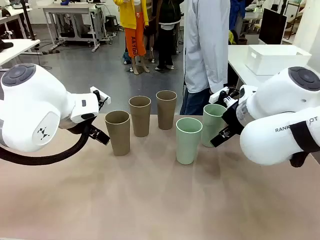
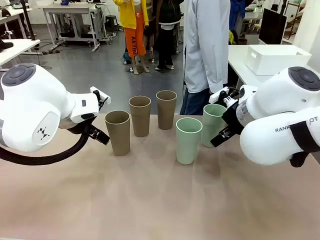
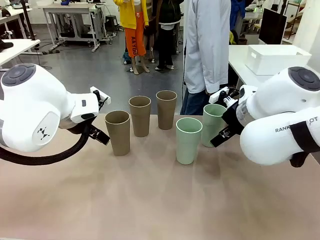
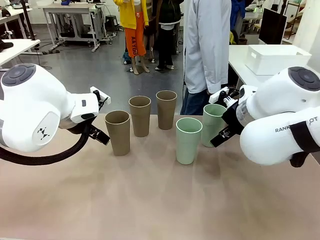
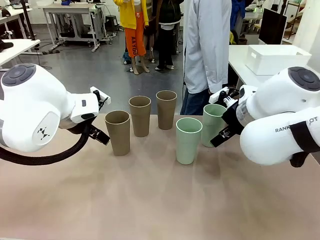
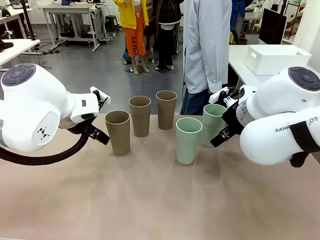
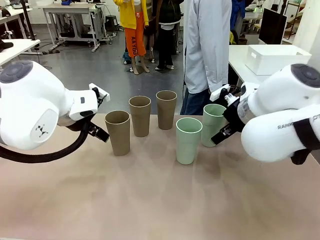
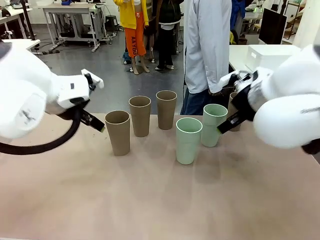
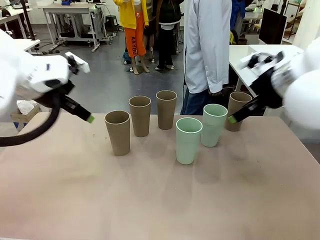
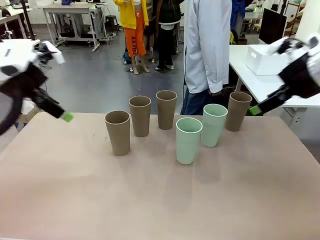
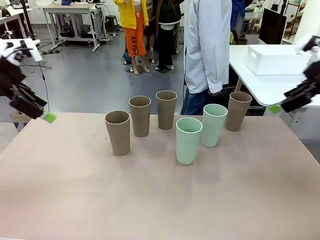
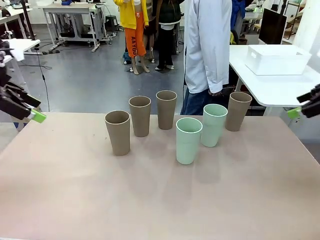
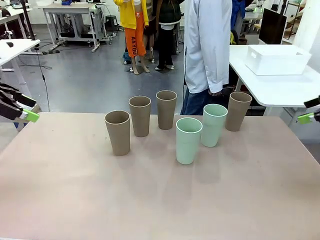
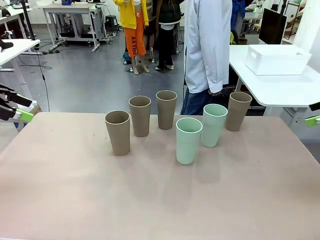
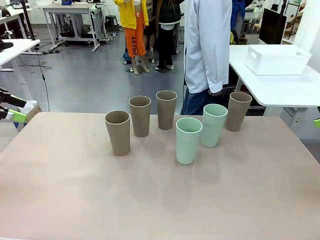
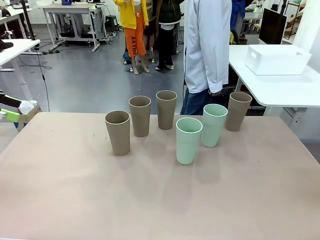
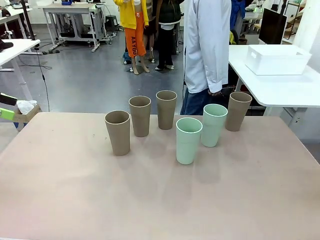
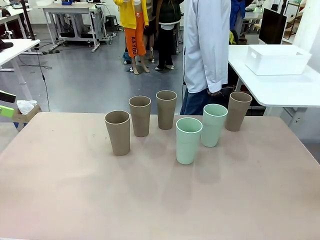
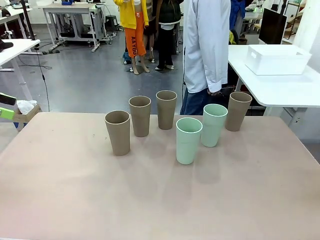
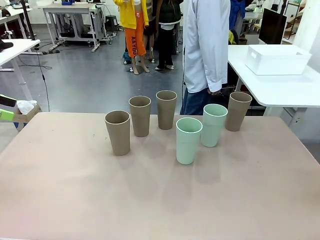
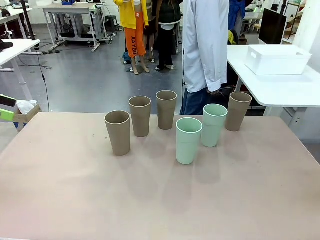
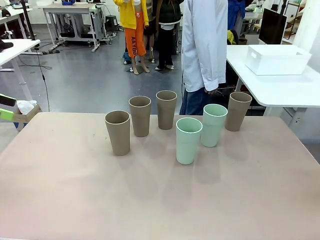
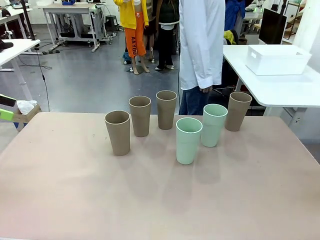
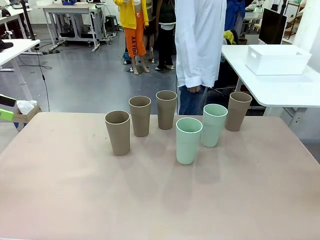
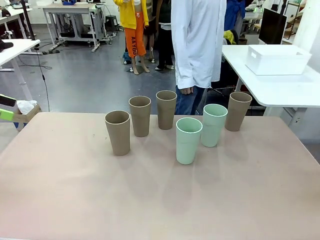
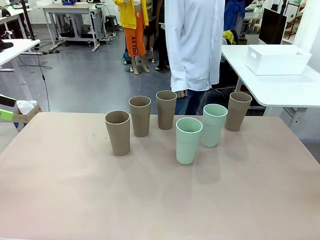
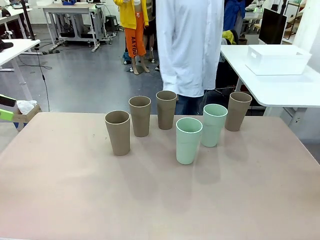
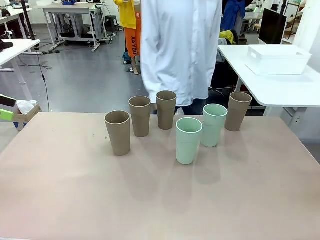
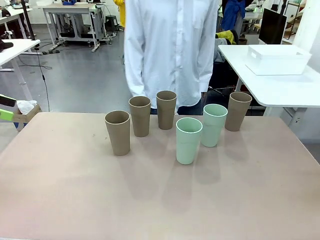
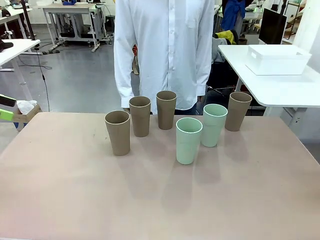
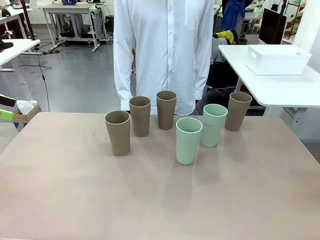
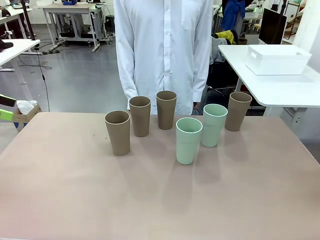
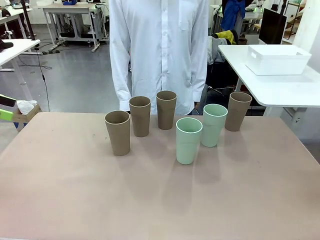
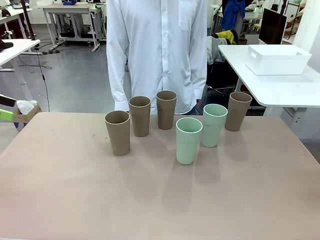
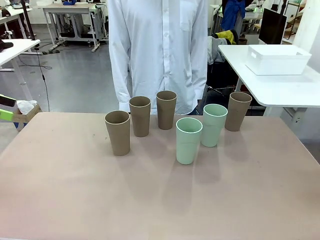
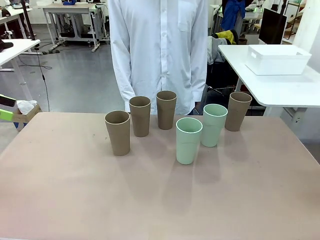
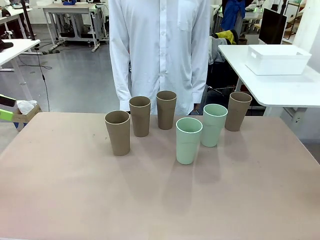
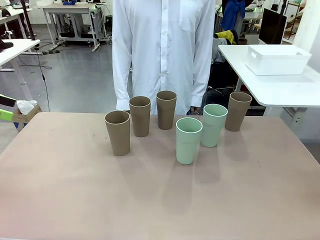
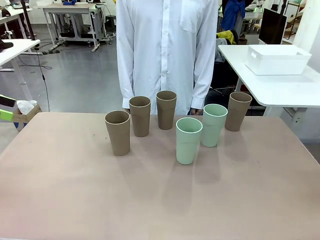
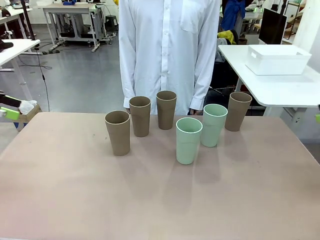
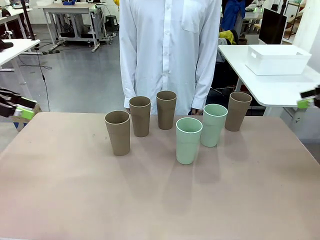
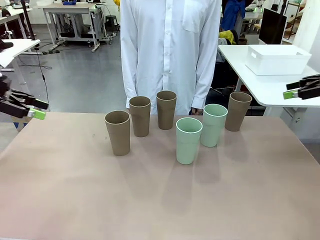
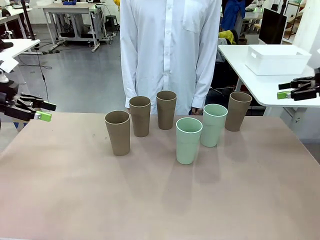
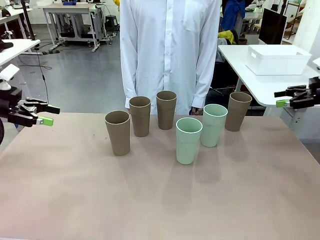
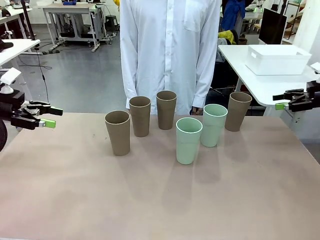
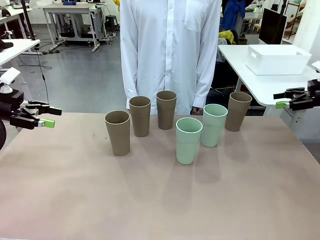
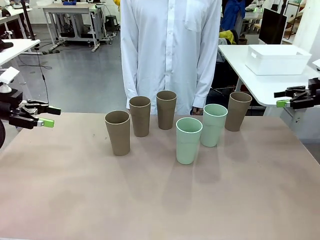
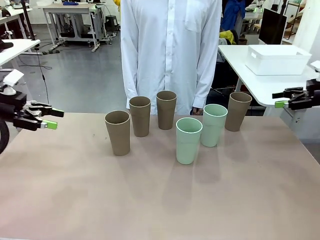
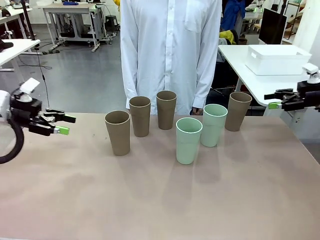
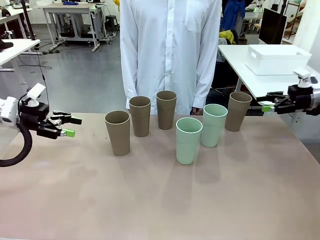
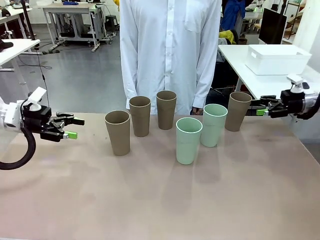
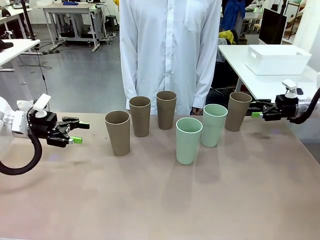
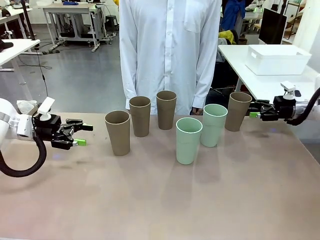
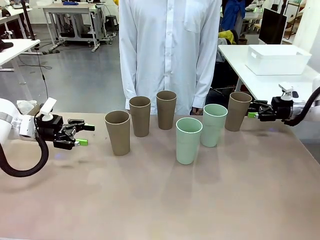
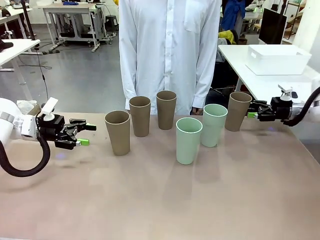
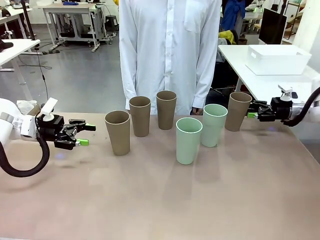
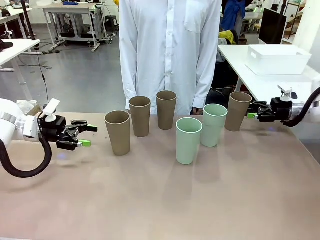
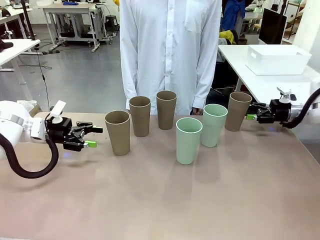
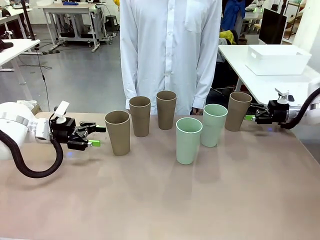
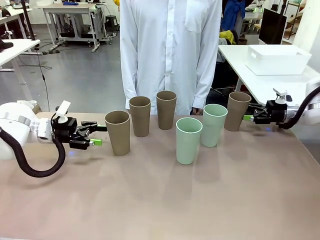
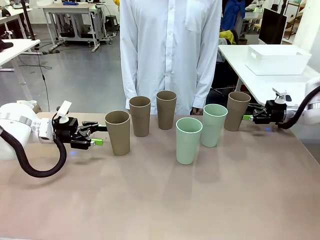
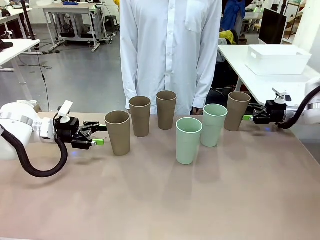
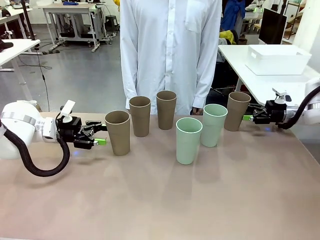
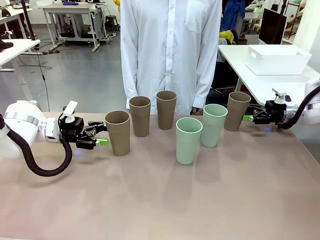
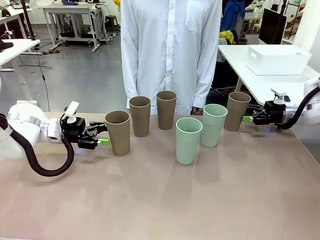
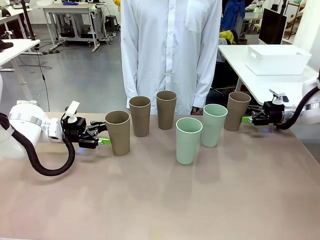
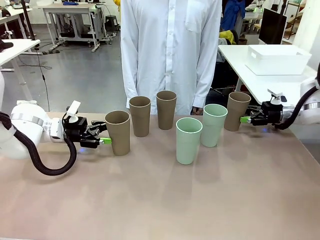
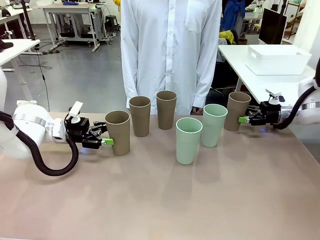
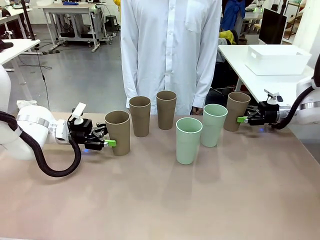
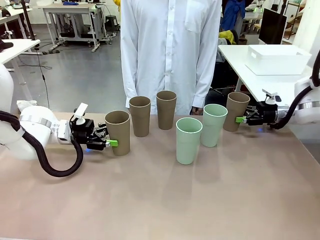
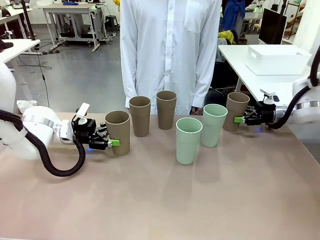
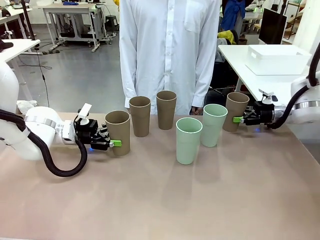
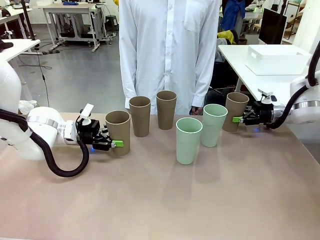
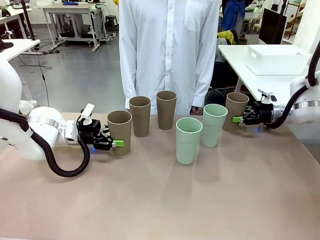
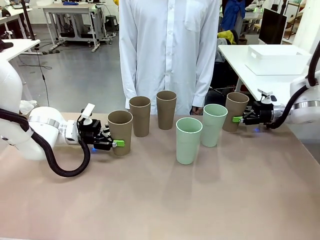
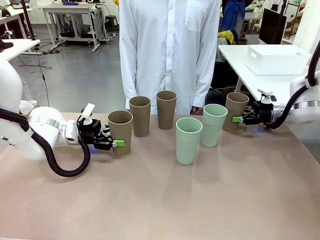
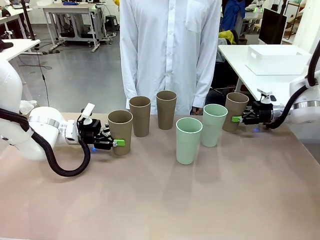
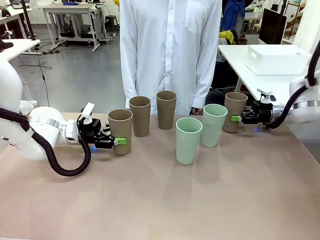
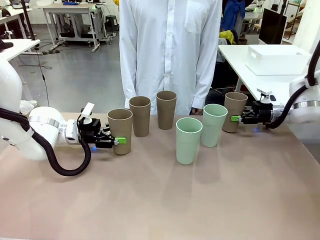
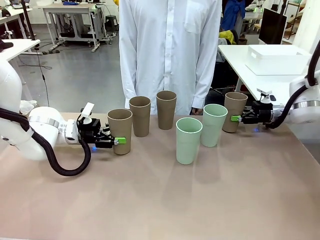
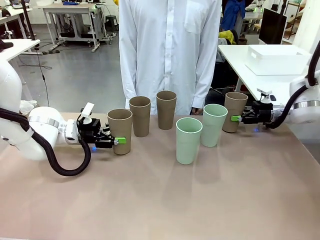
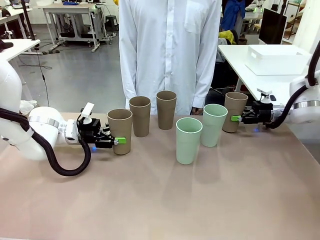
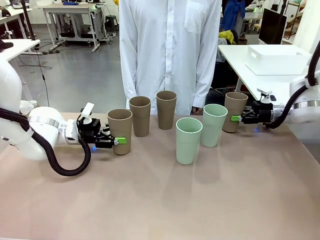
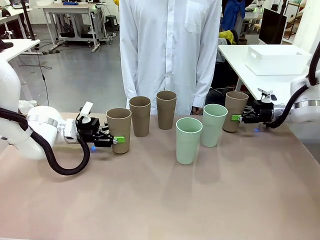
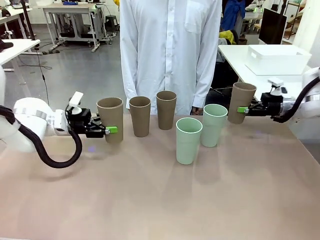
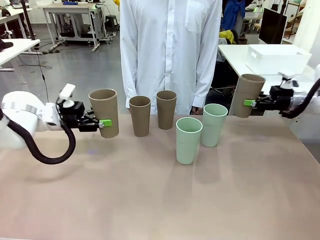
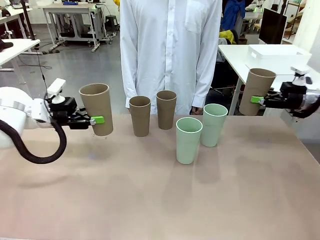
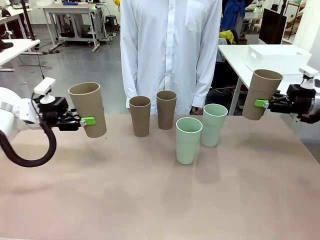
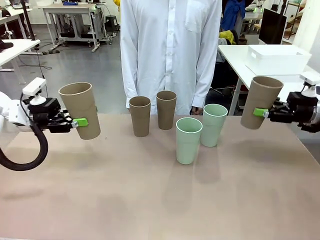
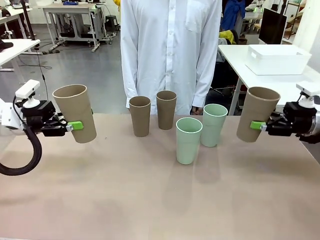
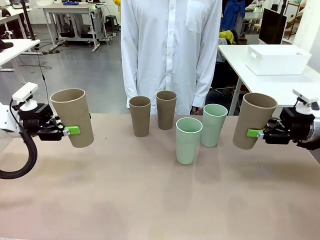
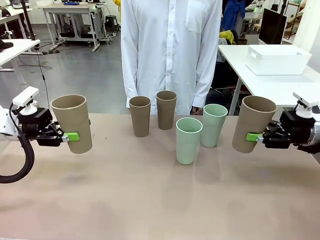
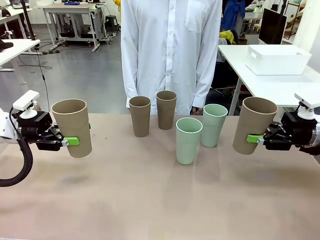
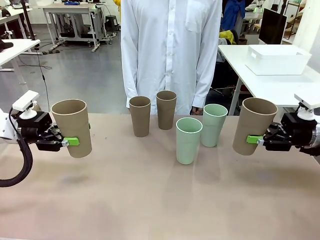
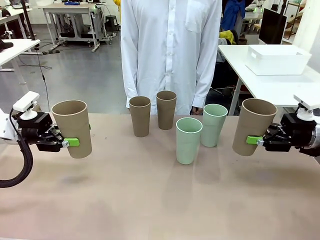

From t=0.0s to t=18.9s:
Task: Stack the cups and store them in the basket.
Robot: Pick up two Reusable plastic cups , one in each hand.
Person: Move from the Human Table to the front of the Robot Table. Stack two of the remaining cups on top of each cup held by the robot.
